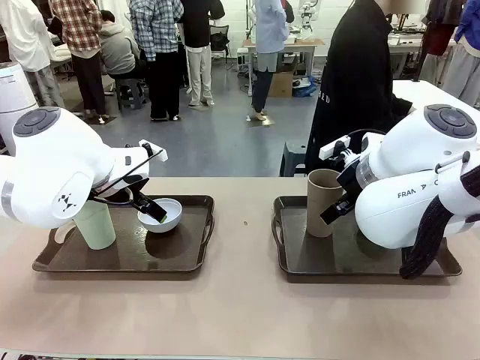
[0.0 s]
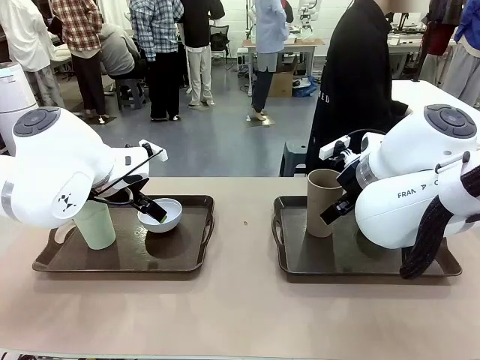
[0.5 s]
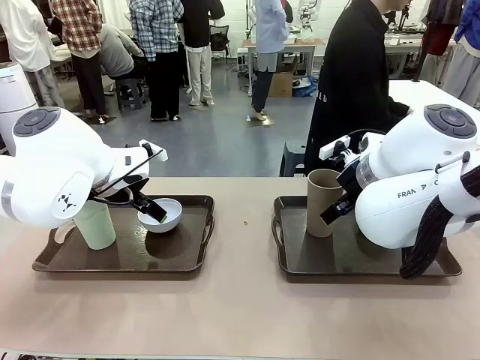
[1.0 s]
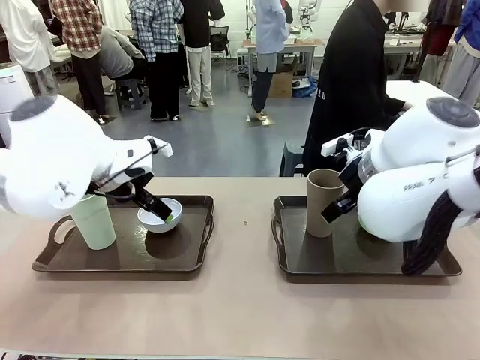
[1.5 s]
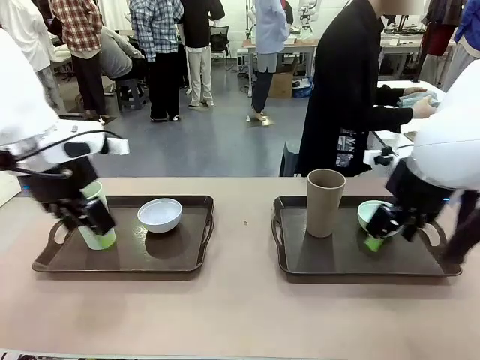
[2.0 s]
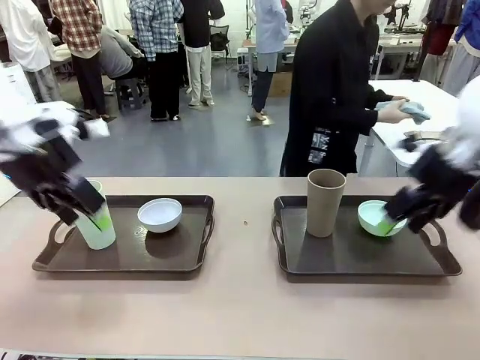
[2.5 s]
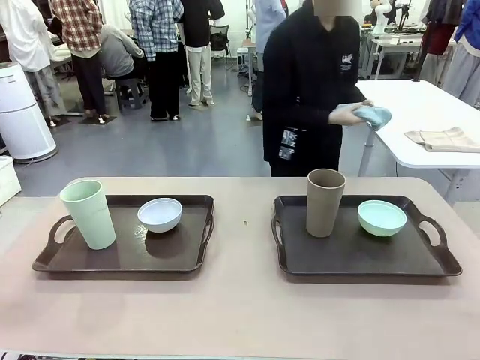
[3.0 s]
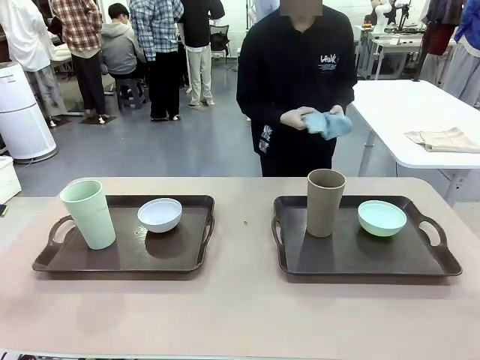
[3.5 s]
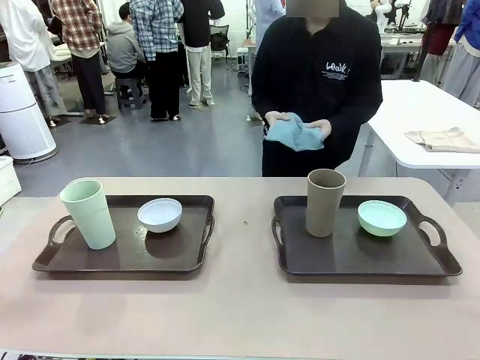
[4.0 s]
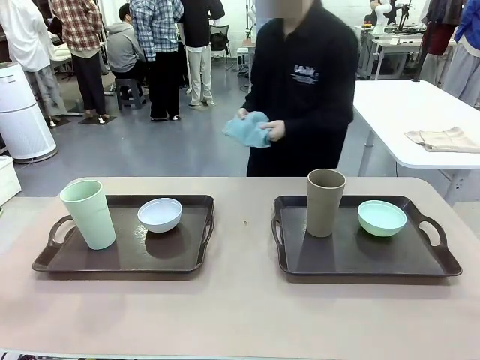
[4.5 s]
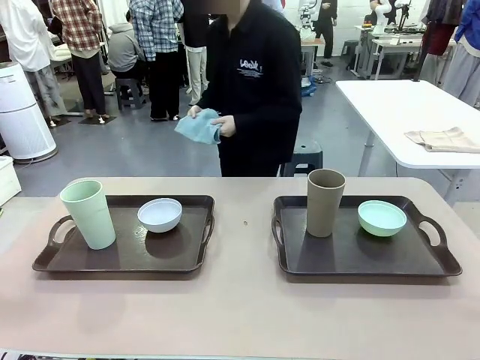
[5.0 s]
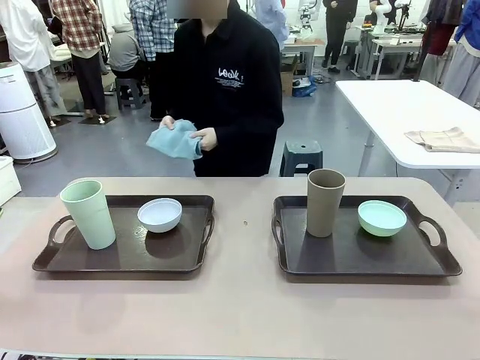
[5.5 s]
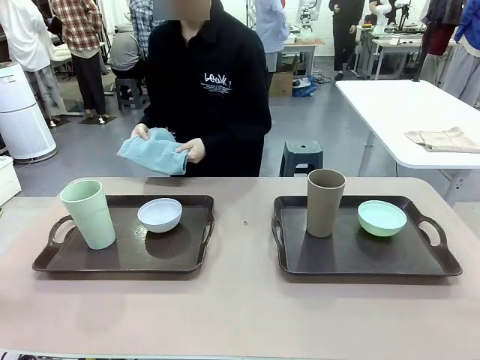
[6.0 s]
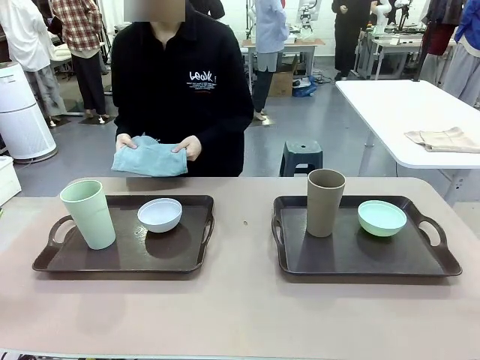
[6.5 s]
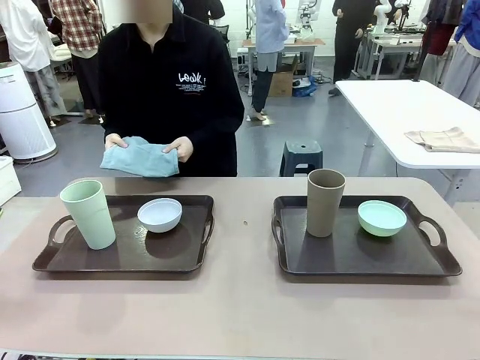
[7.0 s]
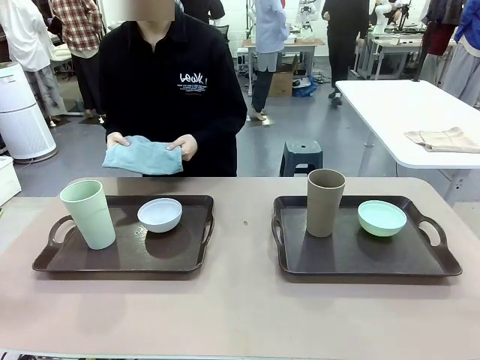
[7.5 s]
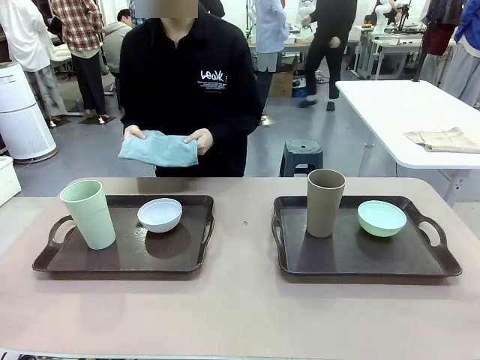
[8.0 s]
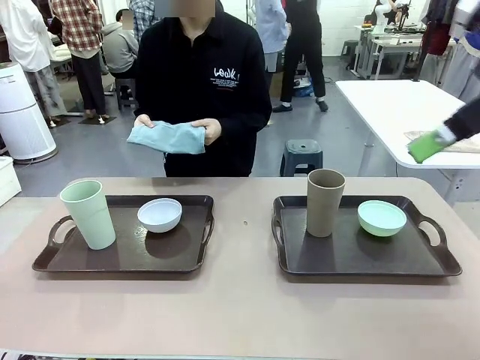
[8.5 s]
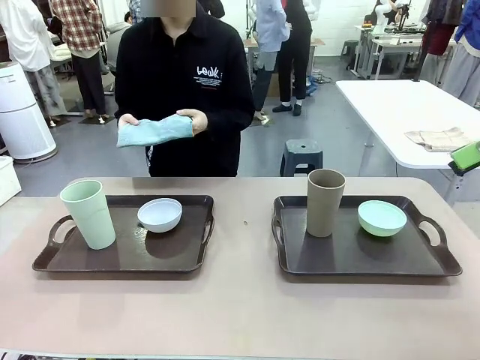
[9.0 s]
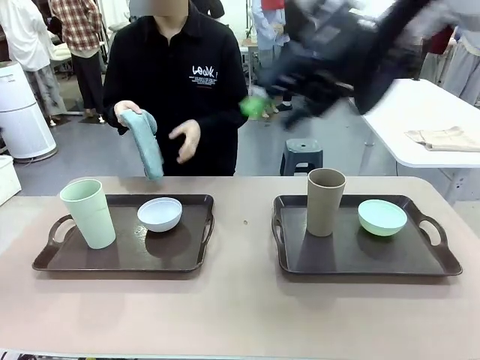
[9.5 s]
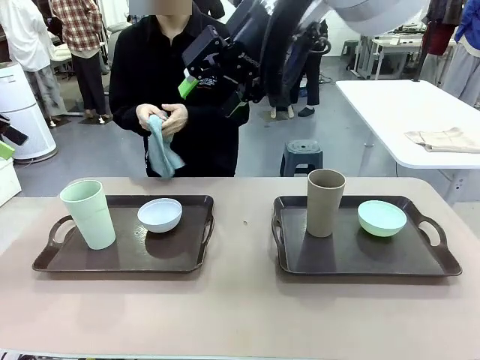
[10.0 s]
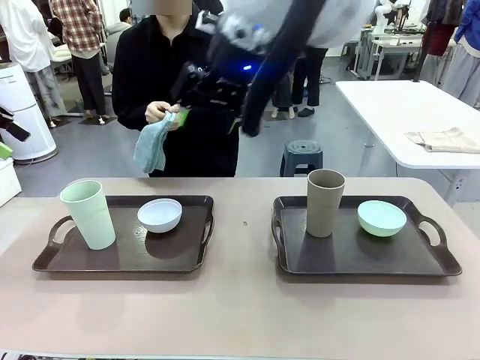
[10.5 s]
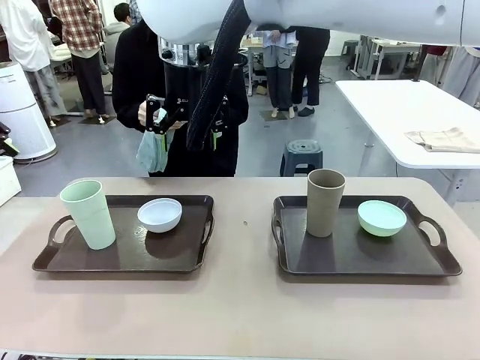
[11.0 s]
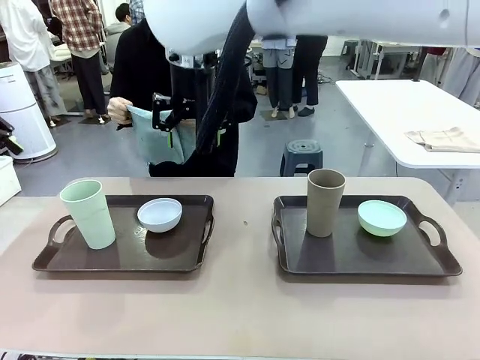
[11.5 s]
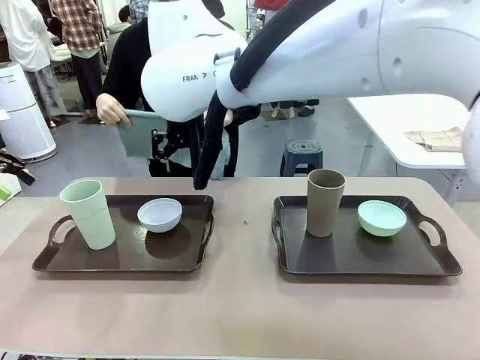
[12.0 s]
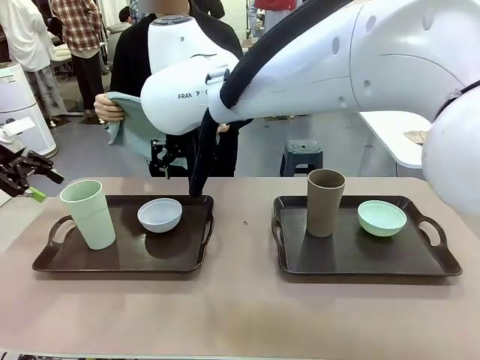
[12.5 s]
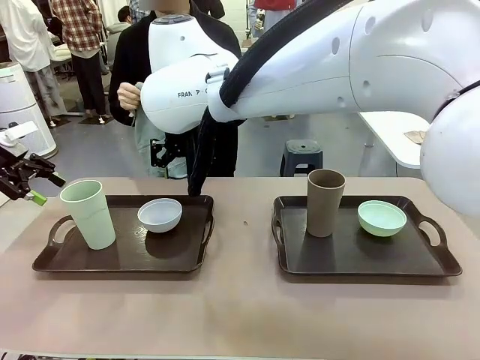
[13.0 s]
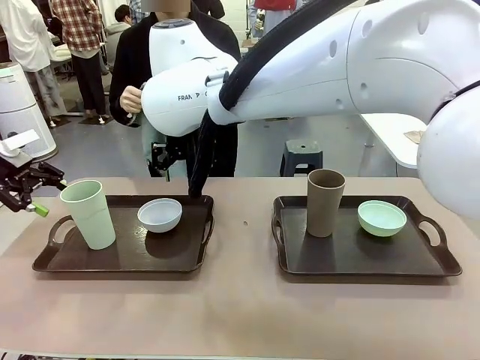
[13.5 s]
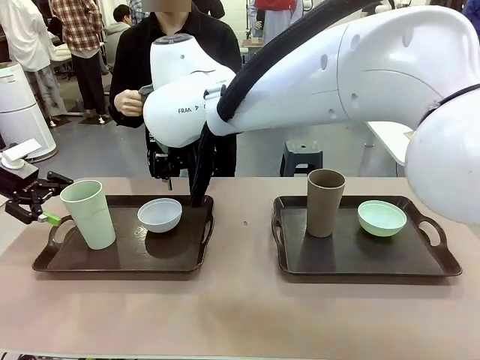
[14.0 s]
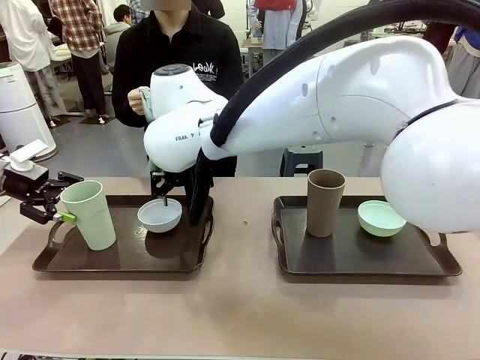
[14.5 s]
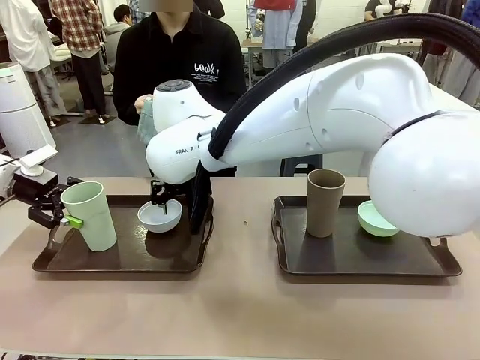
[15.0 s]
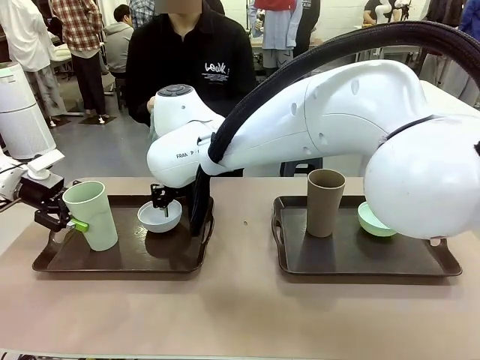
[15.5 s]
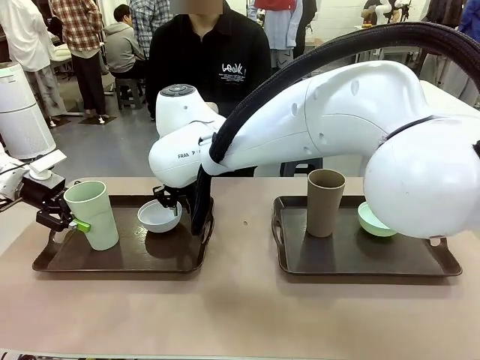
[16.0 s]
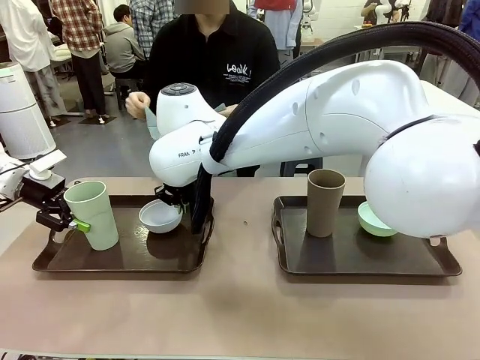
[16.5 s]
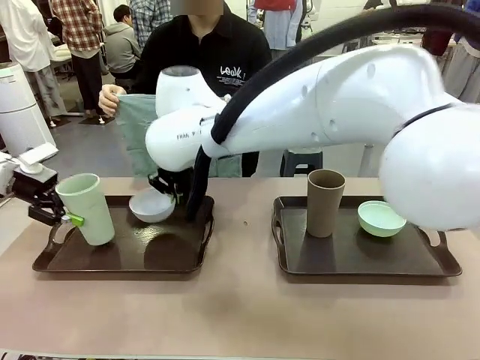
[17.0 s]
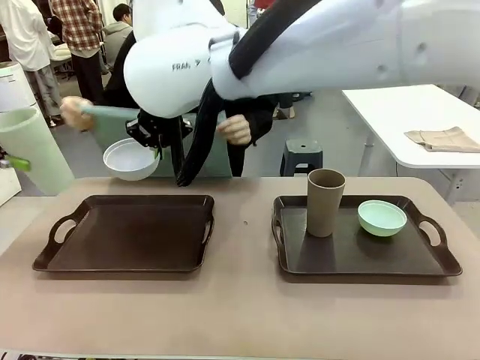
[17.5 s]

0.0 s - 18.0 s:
Robot: Pick up the Picnic Bowl and Reusable plastic cup from the Handle tray in front of the human's position and hold them in the air.
Person: The human picks up the top napkin from the stack on the human table and walks to the robot table to stand in front of one of the two trays. When the robot lifts the bowl and the cup, the human unfolds the napkin and lays the napkin flat on the tray.

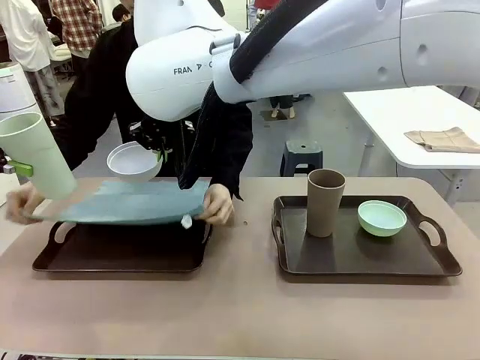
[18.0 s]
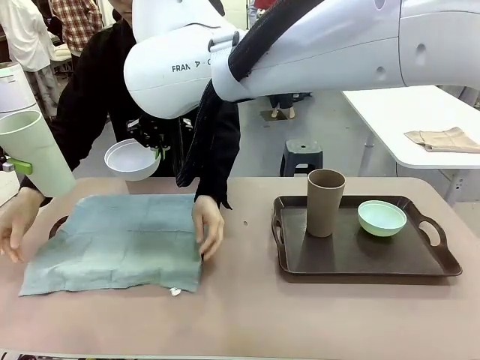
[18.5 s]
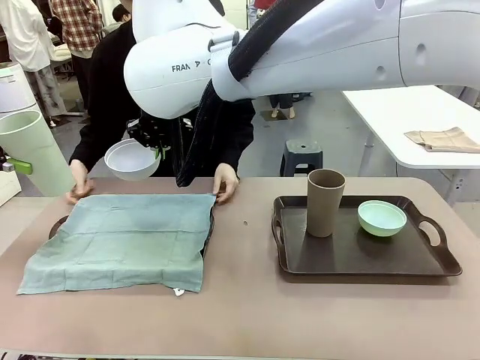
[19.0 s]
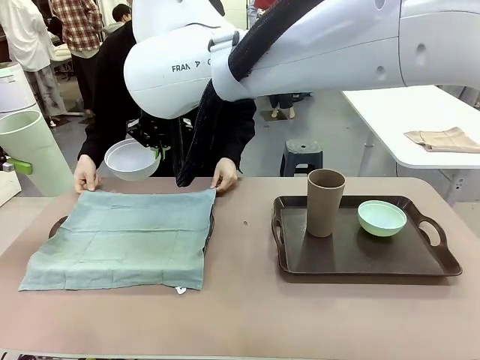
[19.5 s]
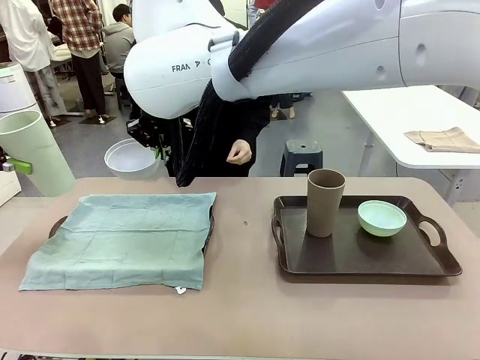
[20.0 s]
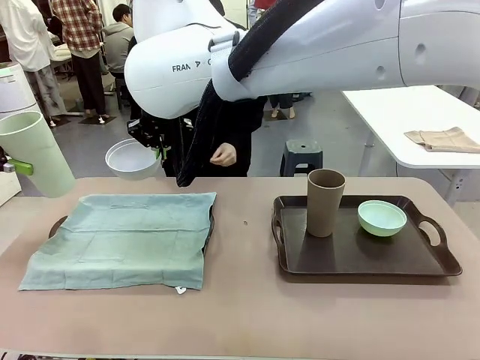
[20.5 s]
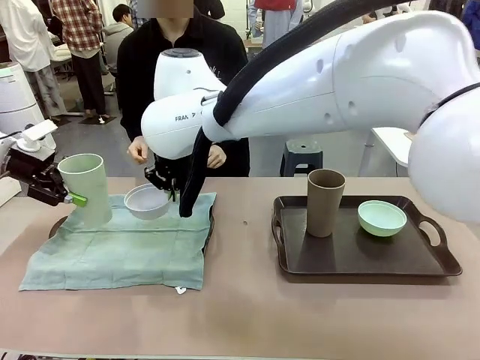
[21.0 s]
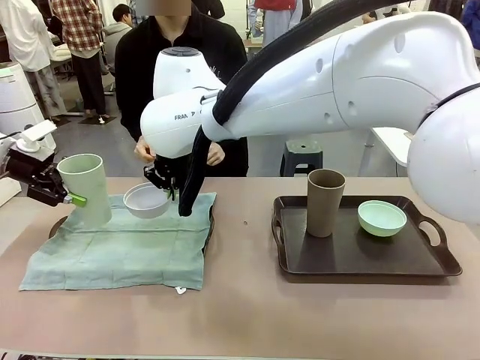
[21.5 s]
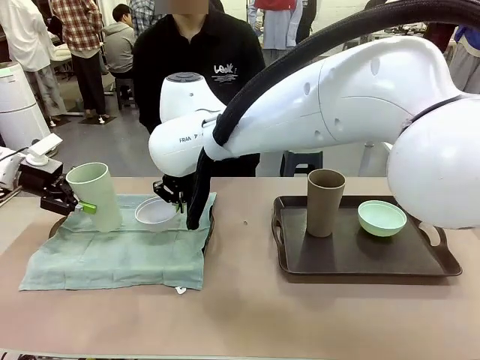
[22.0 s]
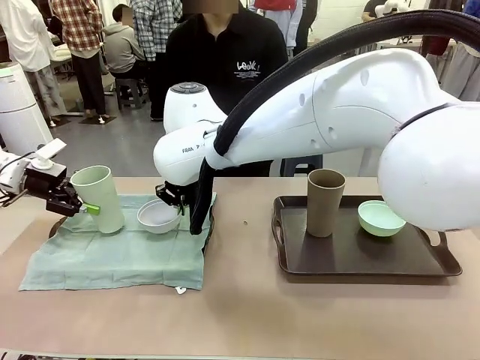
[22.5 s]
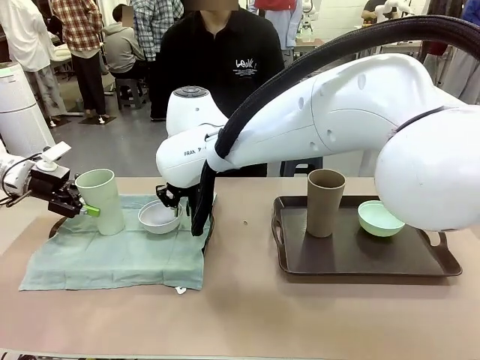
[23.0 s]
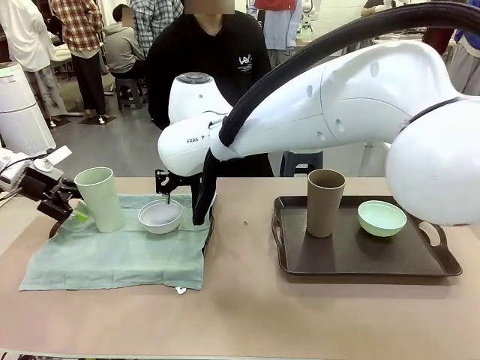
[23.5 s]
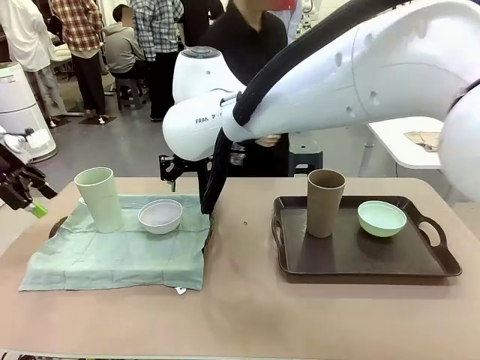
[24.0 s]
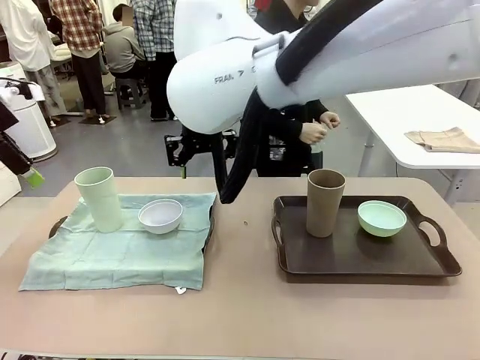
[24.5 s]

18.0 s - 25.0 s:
Robot: Place the Picnic Bowl and Reusable plastic cup back onto the Handle tray in front of the human's position.
